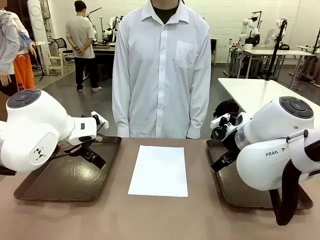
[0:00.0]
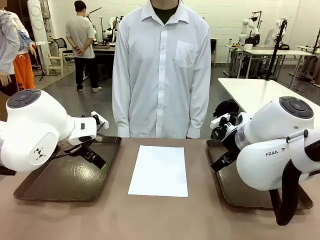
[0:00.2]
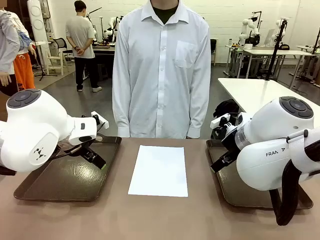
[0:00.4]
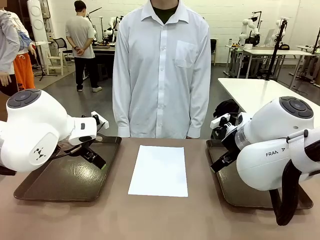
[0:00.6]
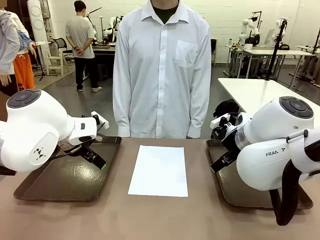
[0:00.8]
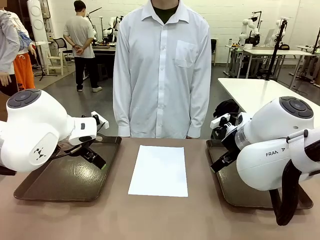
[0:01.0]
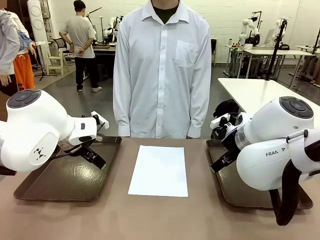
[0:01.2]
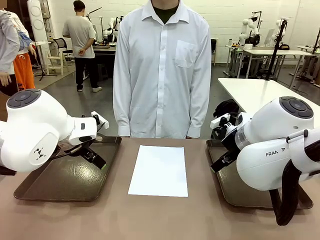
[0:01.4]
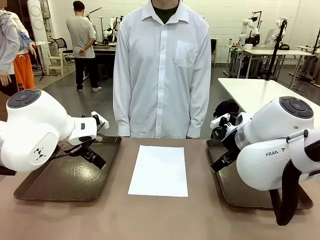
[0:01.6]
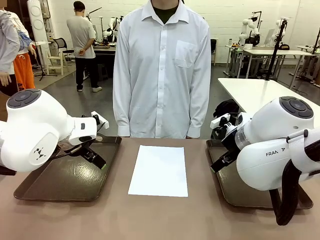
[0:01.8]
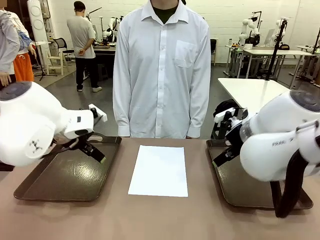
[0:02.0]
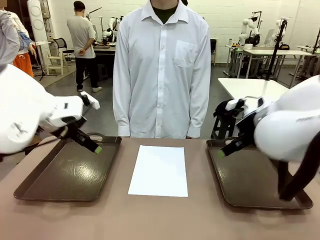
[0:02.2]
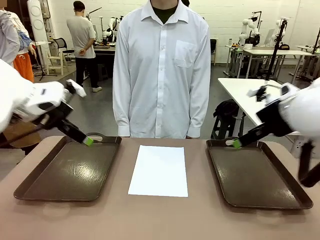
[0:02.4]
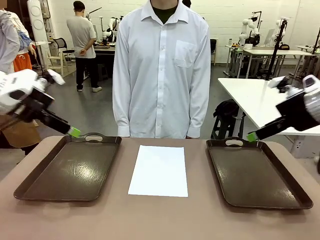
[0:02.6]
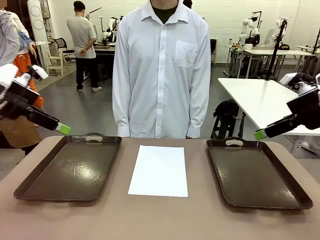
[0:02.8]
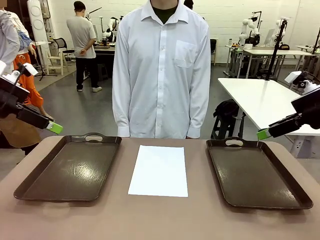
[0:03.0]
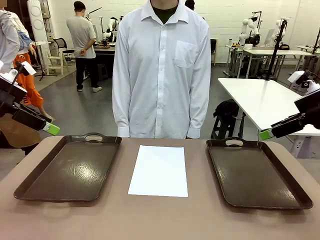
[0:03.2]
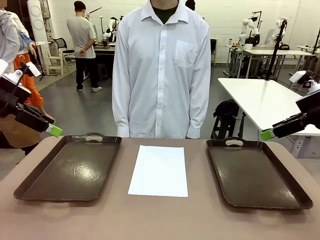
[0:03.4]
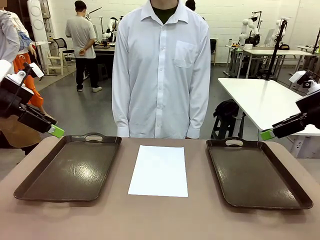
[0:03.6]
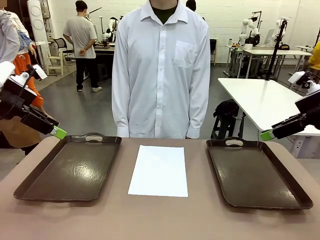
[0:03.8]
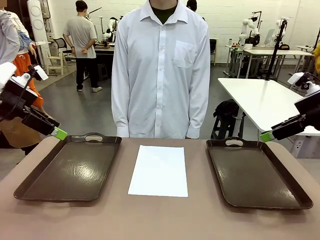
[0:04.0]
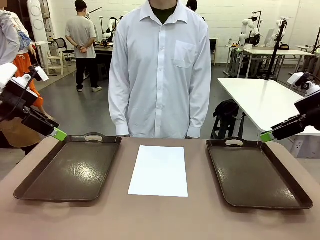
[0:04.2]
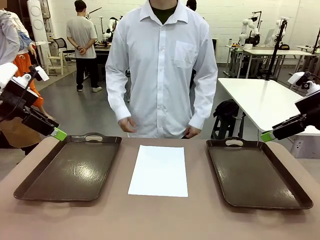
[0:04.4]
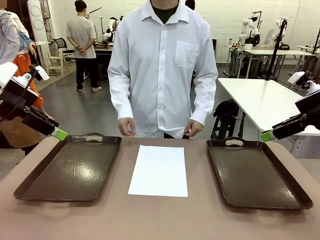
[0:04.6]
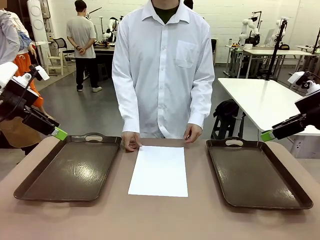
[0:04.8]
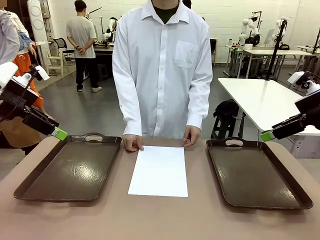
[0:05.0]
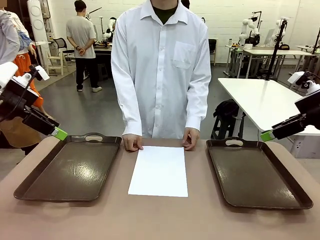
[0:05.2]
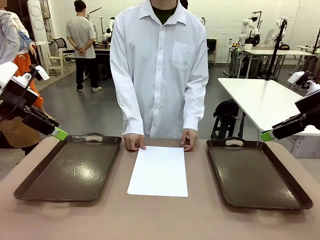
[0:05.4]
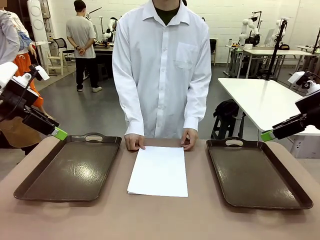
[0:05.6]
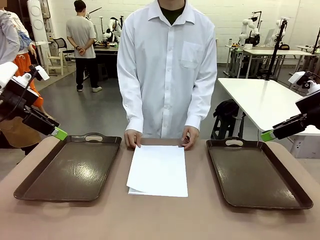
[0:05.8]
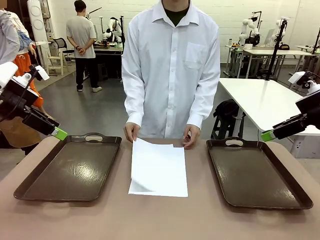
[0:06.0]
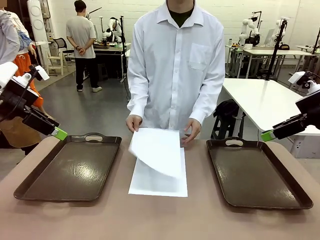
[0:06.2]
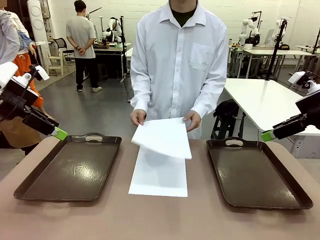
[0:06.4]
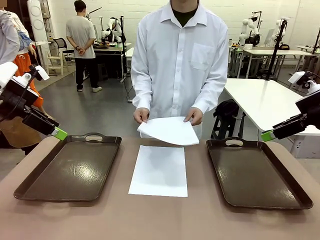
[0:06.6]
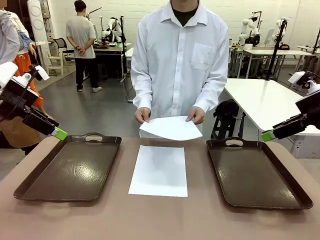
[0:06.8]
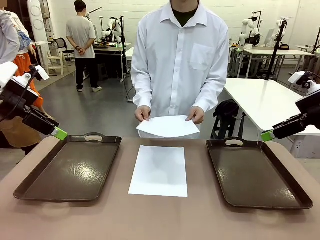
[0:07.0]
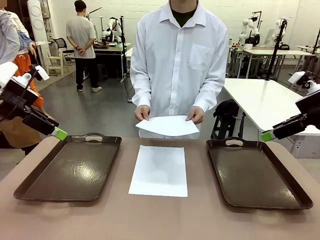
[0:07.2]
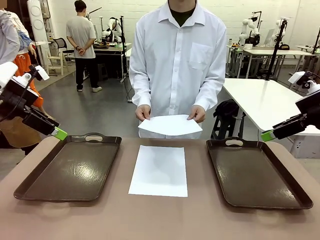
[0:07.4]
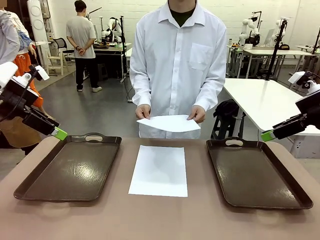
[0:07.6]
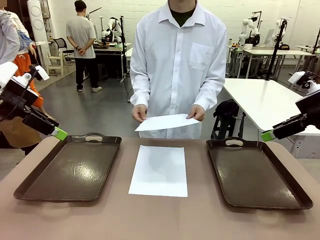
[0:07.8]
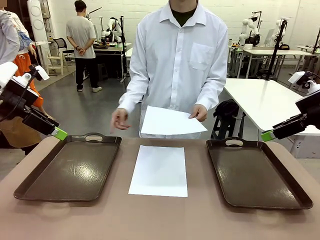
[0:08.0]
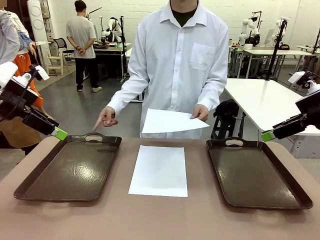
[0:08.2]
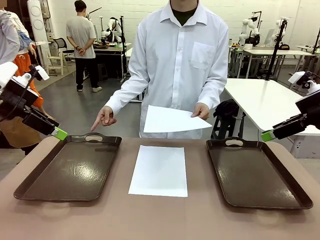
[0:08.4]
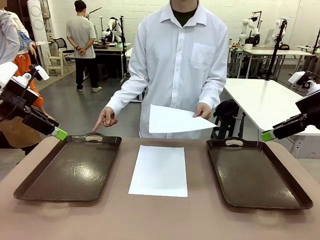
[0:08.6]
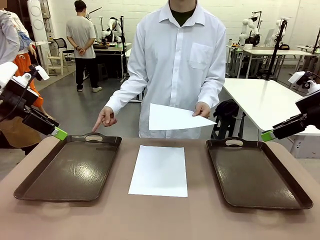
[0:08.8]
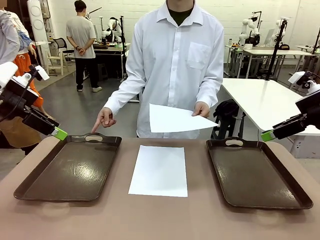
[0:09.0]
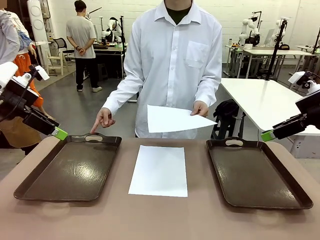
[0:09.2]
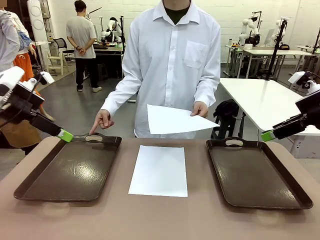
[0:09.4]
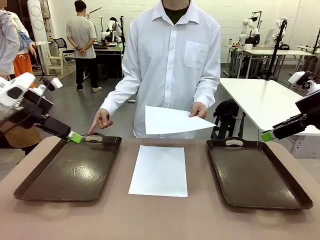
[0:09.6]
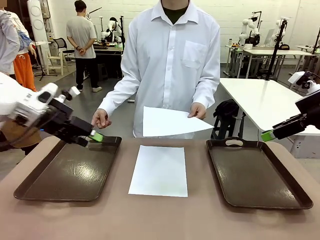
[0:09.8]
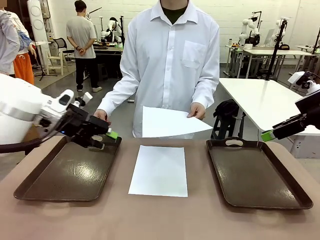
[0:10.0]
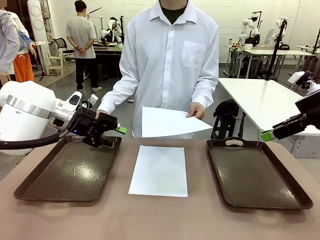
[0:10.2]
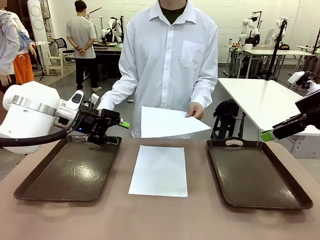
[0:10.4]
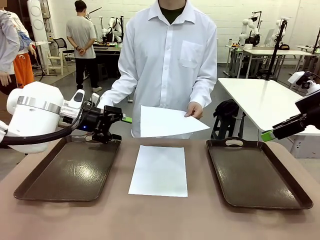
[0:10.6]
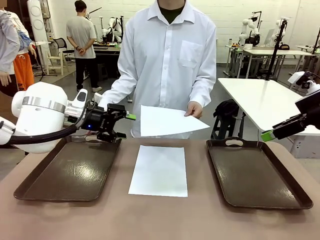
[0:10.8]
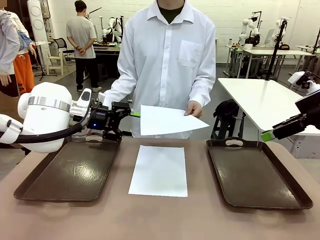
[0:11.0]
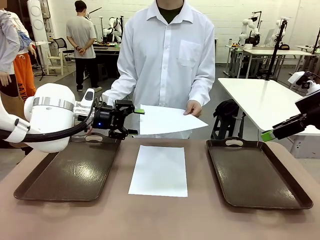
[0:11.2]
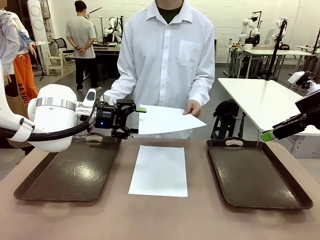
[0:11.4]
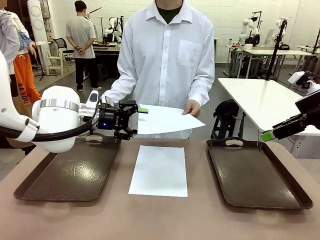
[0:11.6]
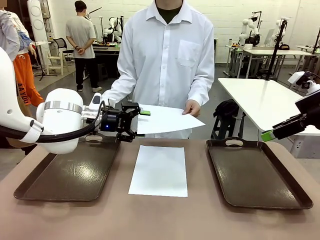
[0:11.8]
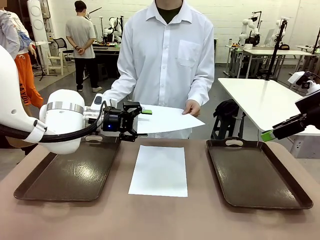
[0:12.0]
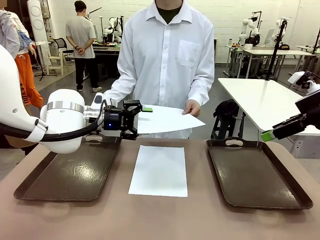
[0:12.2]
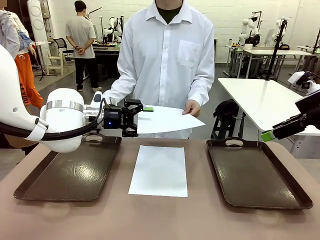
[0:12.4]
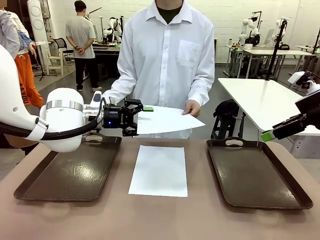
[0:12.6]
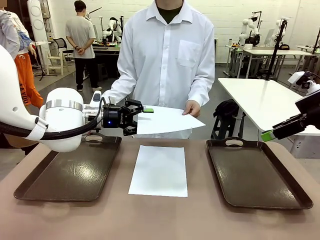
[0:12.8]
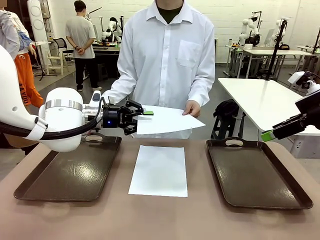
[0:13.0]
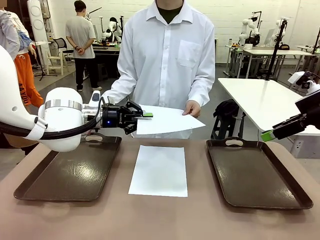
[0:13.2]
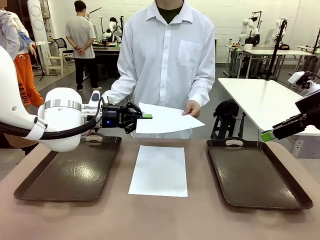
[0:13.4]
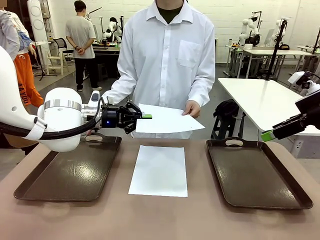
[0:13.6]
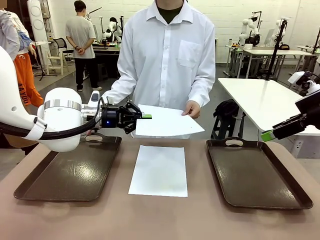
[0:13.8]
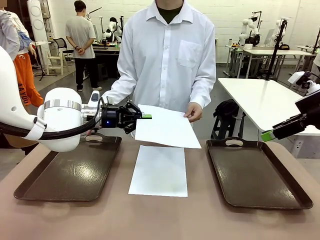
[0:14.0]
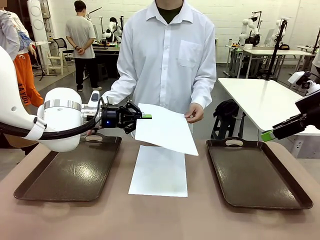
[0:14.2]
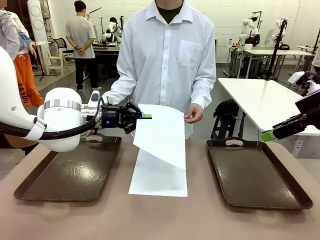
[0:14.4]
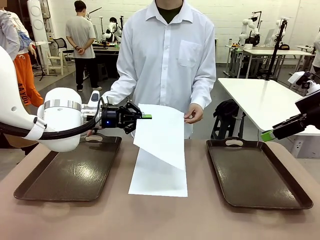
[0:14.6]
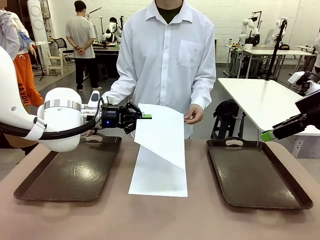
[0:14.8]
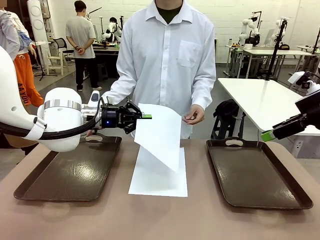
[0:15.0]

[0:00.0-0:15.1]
Task: Sort the A4 documents.
Robot: Receive the A4 Paper.
Person: Pick up a sheet of paper from the center of the table and hand it to the robot. Point the randomly selected tray with the other hand.

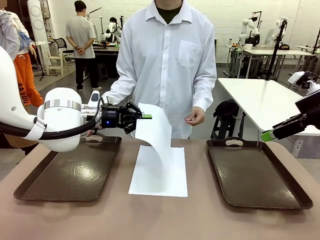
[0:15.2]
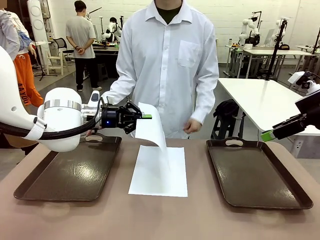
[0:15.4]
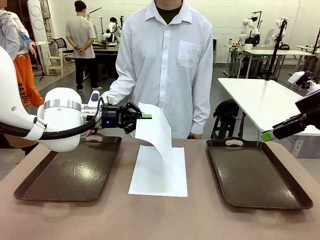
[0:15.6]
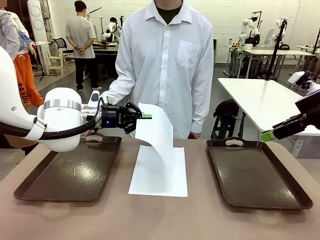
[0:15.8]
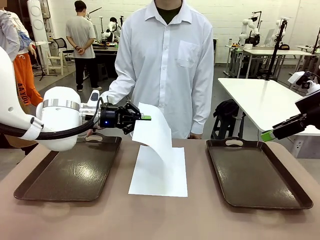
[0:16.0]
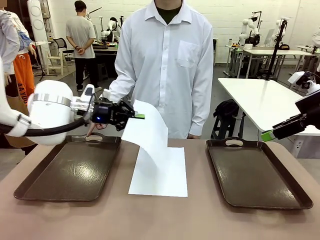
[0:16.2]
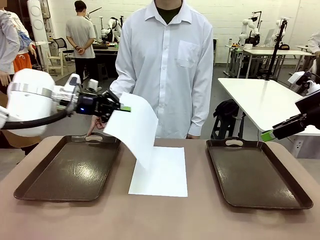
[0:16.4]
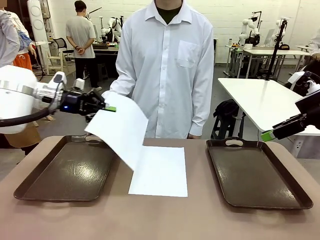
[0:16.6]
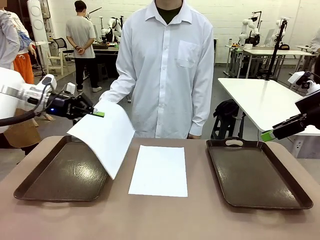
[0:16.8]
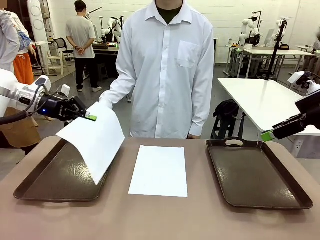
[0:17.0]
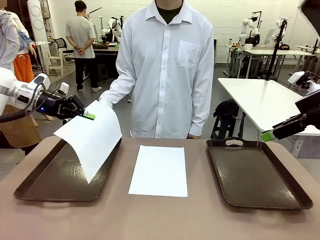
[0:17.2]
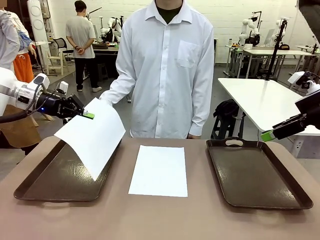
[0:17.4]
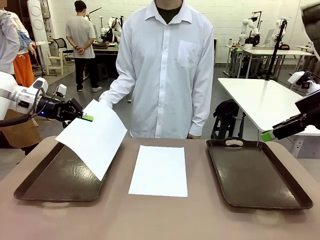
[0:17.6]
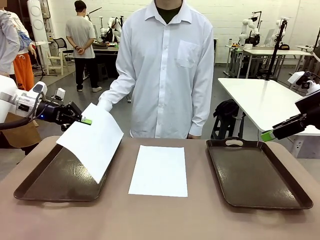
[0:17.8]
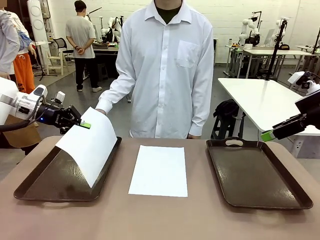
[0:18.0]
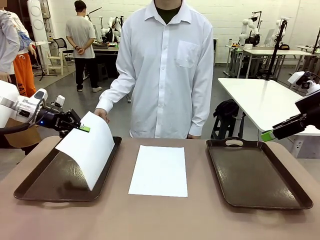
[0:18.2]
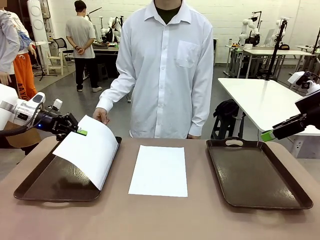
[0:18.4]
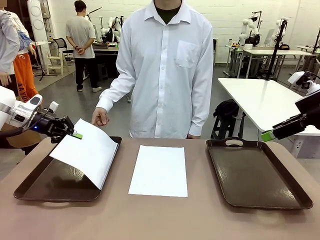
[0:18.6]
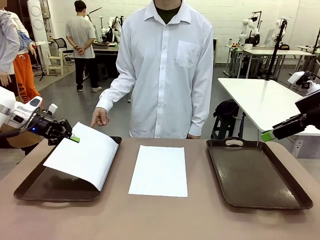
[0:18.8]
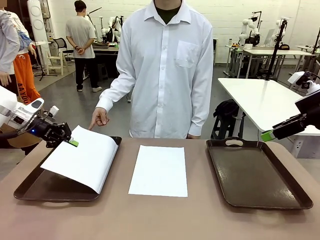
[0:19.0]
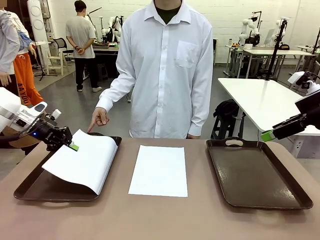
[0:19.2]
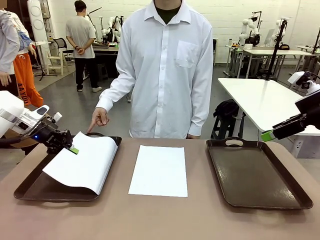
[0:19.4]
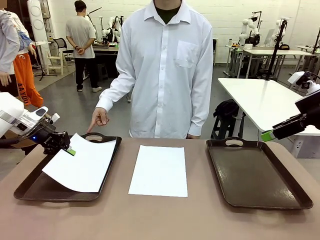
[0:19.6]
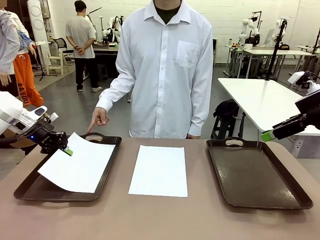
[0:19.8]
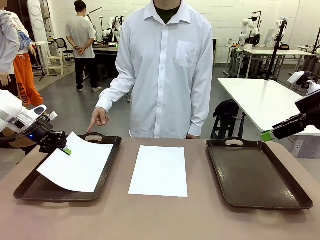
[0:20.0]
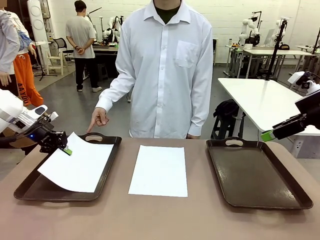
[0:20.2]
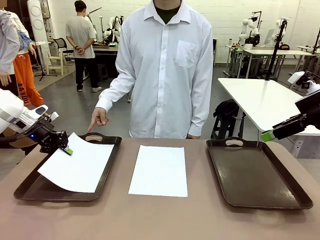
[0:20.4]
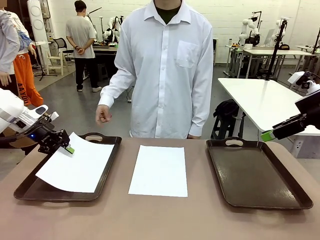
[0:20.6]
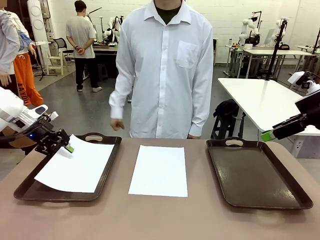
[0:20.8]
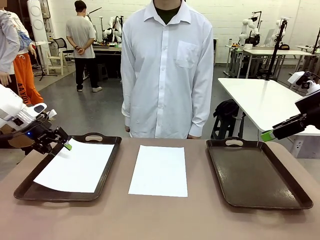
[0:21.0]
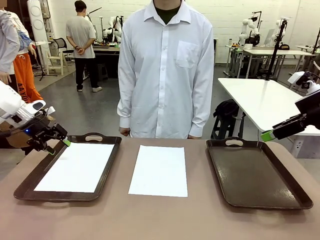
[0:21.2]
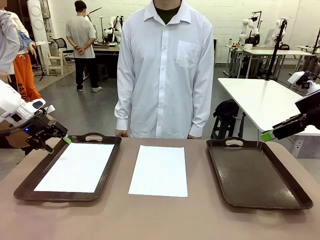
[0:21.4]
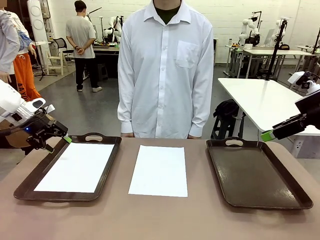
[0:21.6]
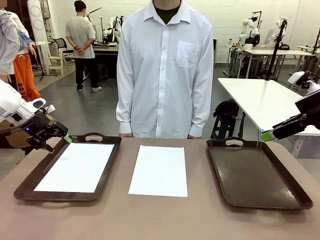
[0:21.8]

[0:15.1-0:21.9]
Robot: Place the A4 Paper in the designated Handle tray.
